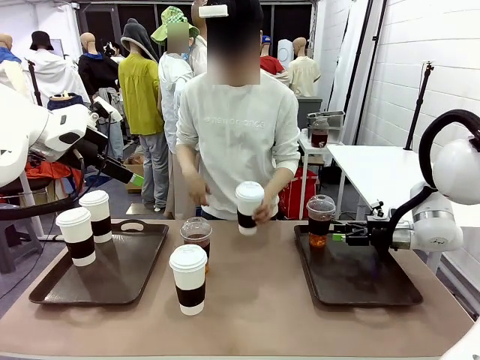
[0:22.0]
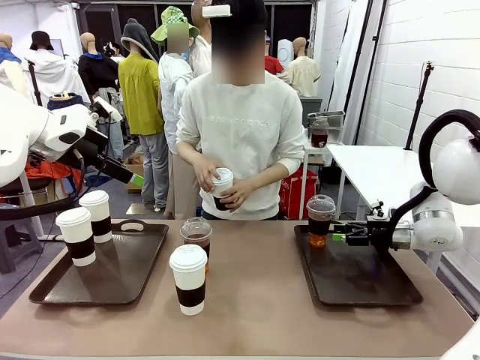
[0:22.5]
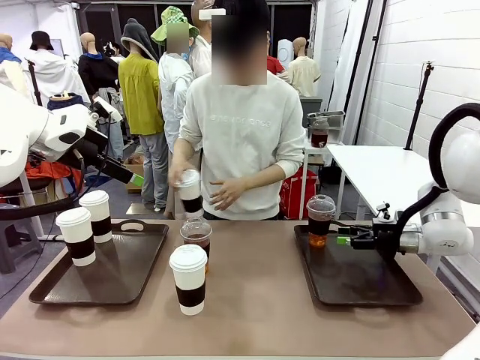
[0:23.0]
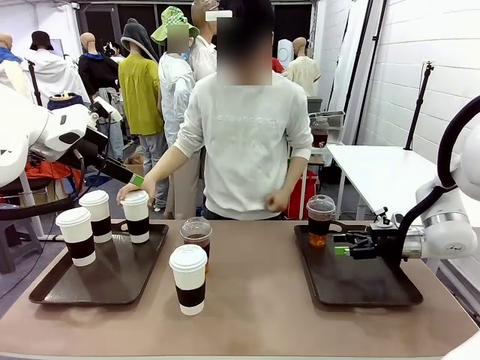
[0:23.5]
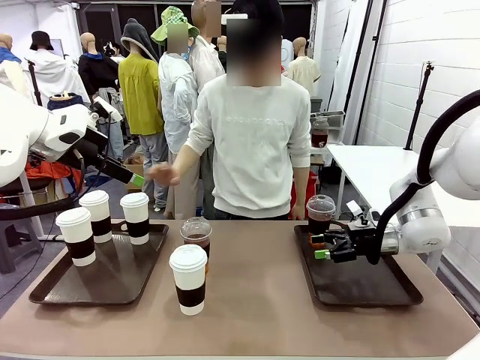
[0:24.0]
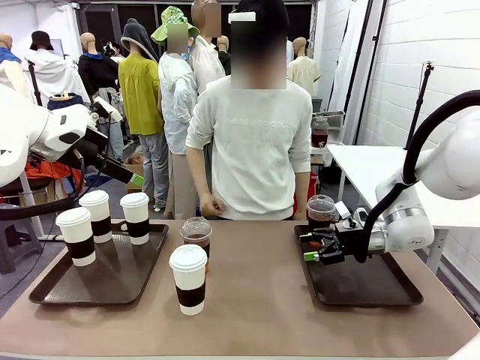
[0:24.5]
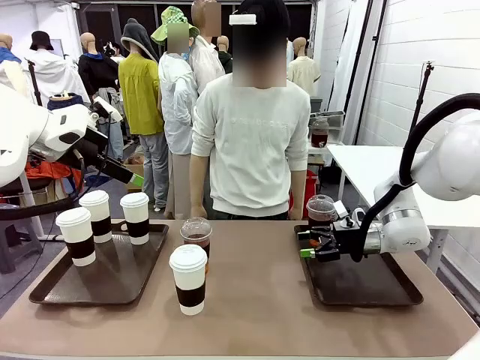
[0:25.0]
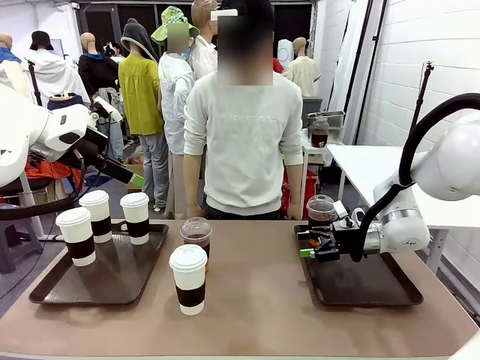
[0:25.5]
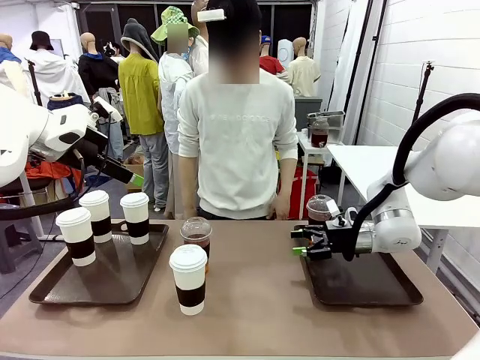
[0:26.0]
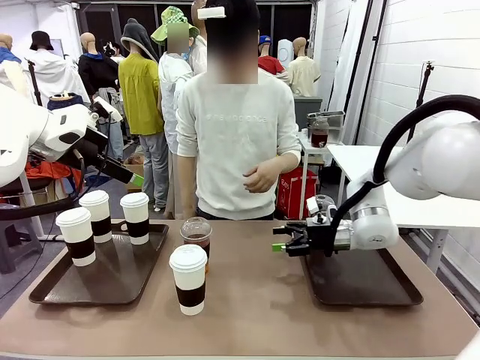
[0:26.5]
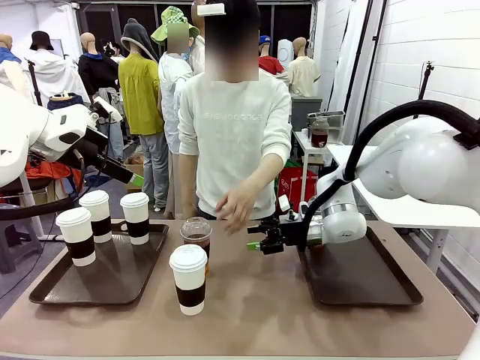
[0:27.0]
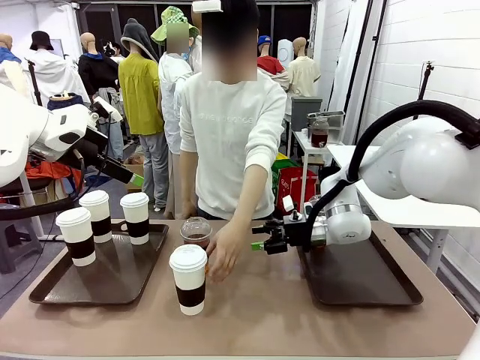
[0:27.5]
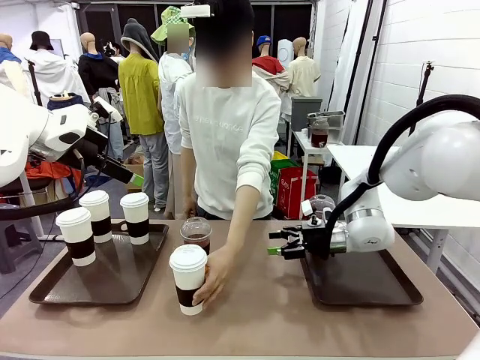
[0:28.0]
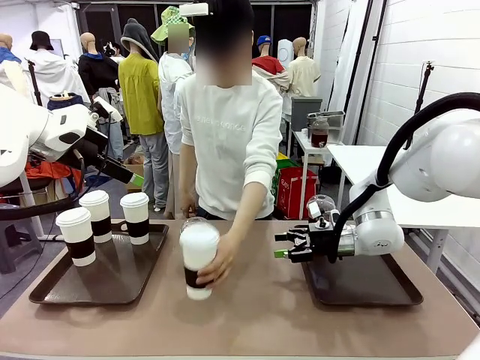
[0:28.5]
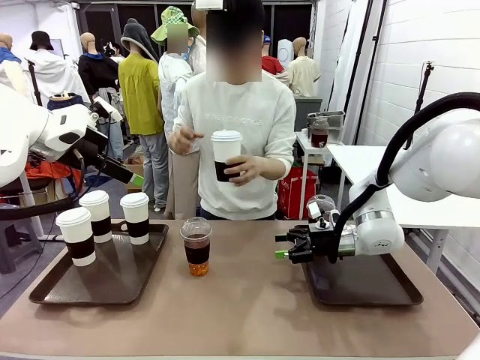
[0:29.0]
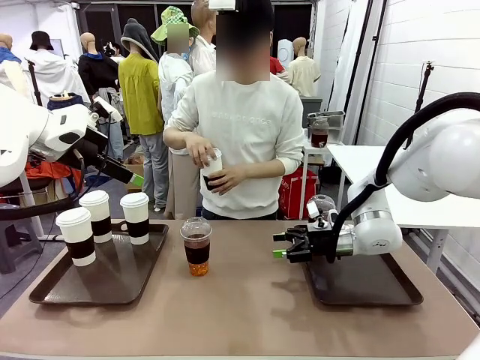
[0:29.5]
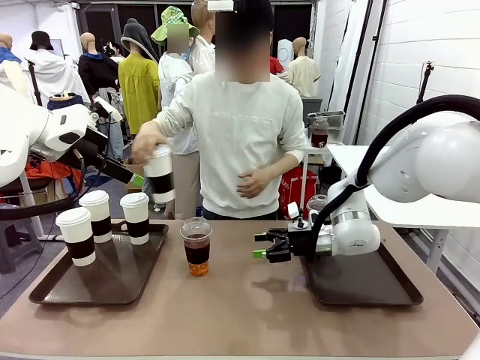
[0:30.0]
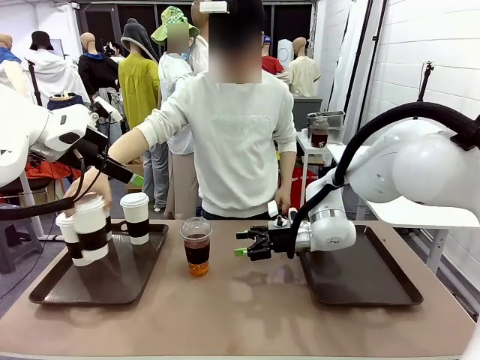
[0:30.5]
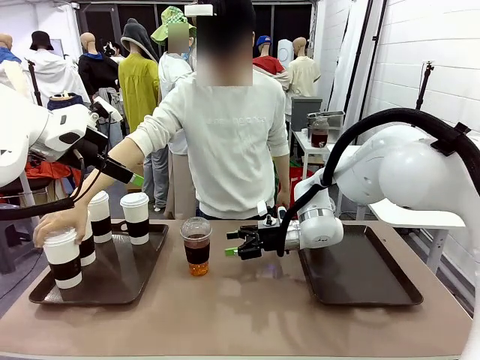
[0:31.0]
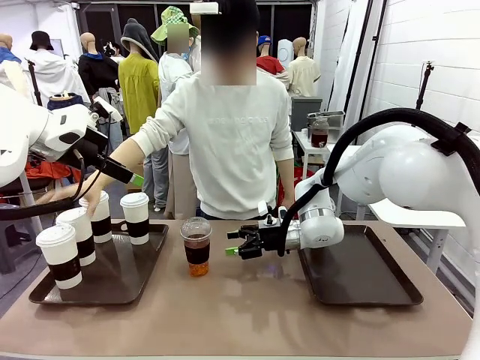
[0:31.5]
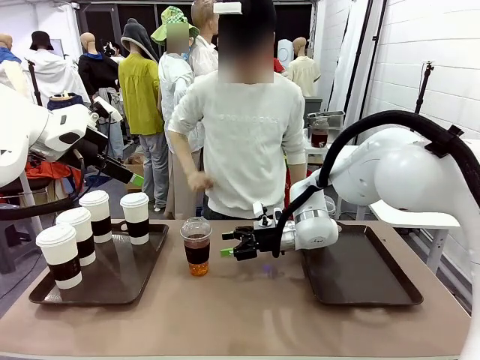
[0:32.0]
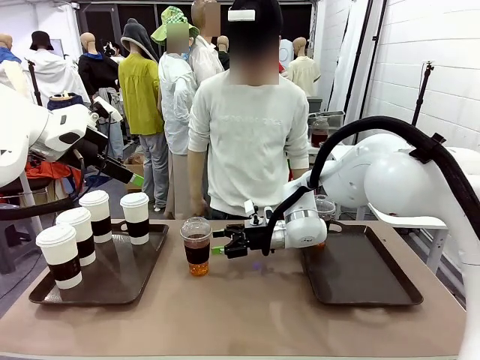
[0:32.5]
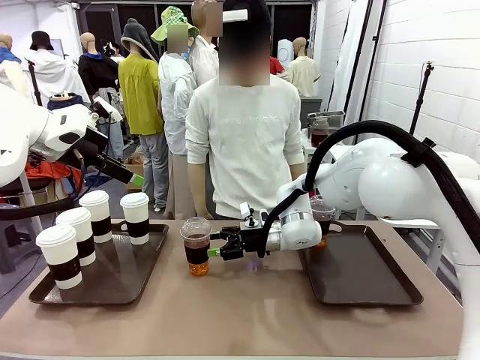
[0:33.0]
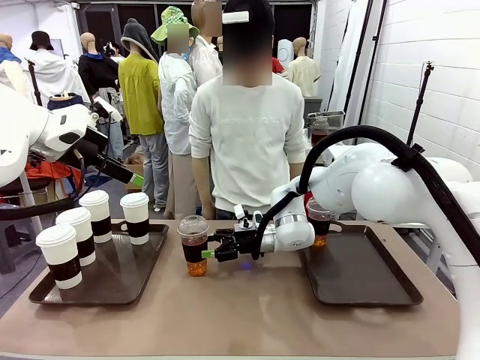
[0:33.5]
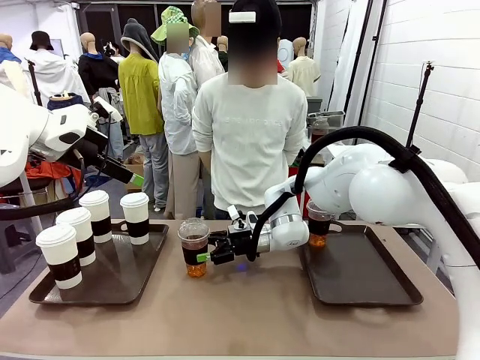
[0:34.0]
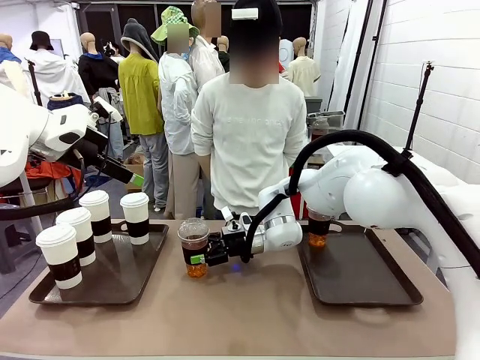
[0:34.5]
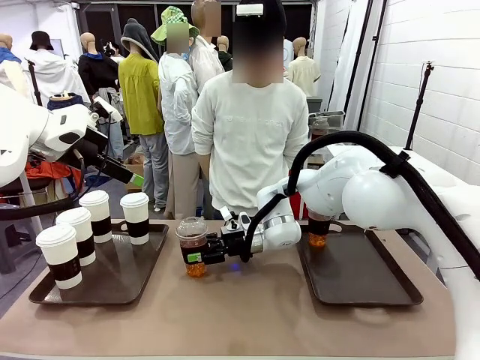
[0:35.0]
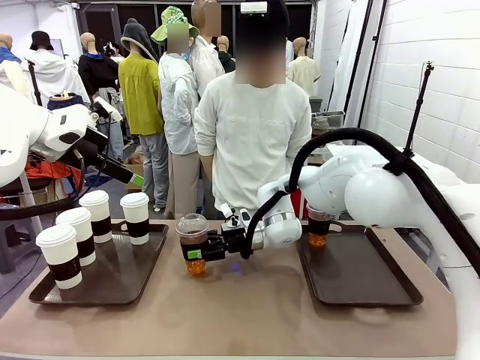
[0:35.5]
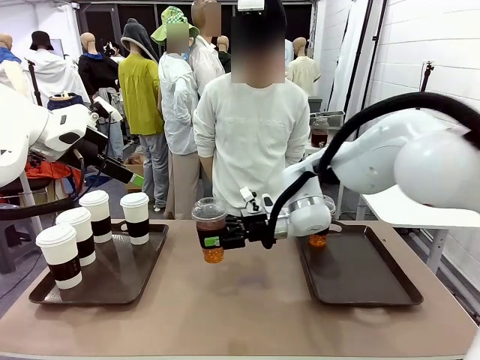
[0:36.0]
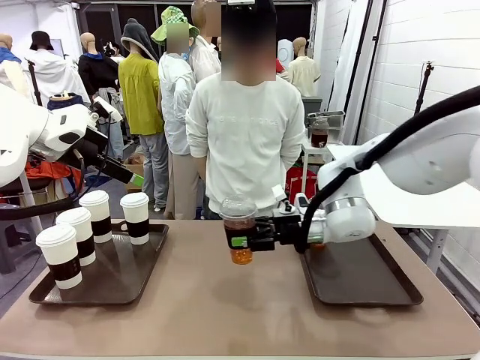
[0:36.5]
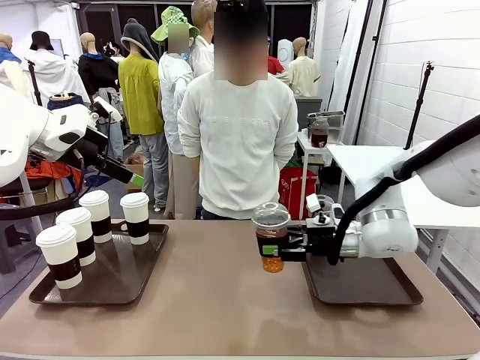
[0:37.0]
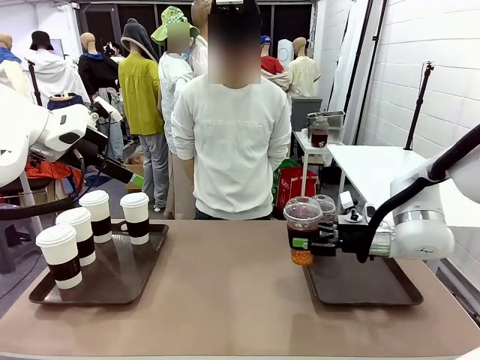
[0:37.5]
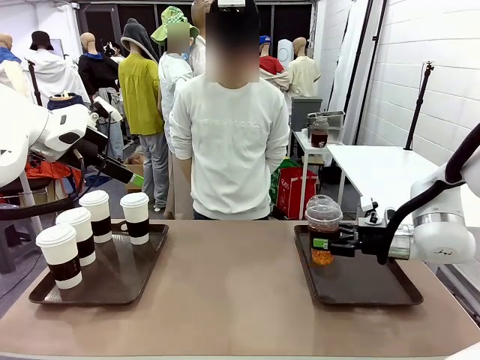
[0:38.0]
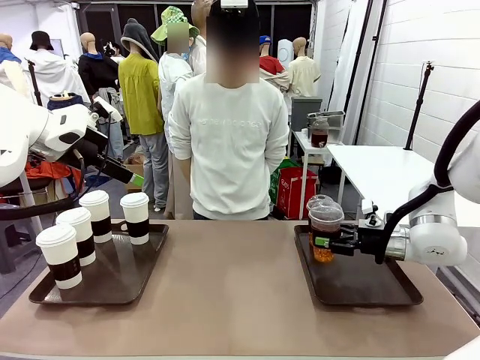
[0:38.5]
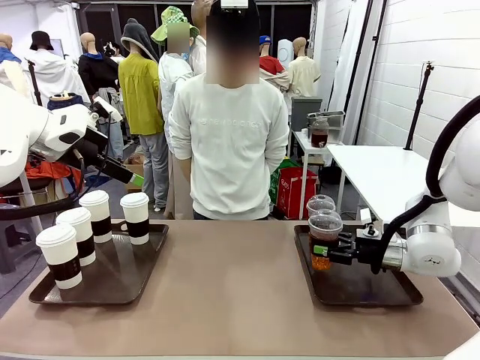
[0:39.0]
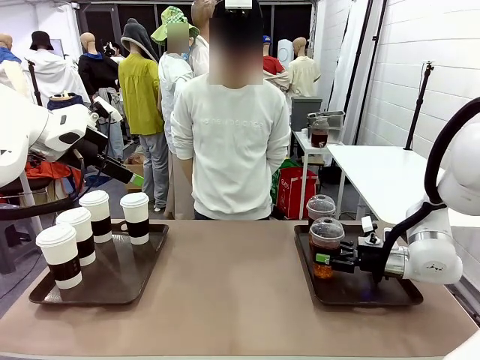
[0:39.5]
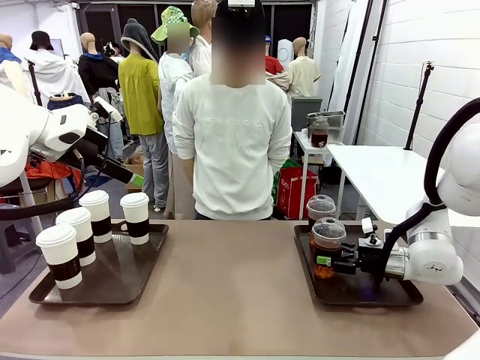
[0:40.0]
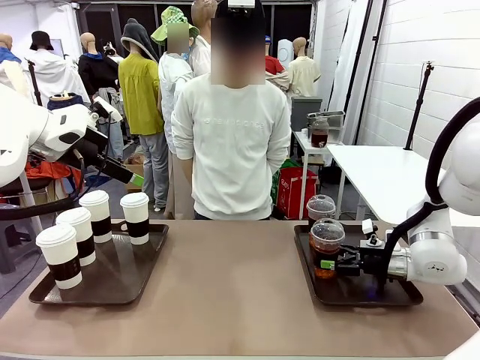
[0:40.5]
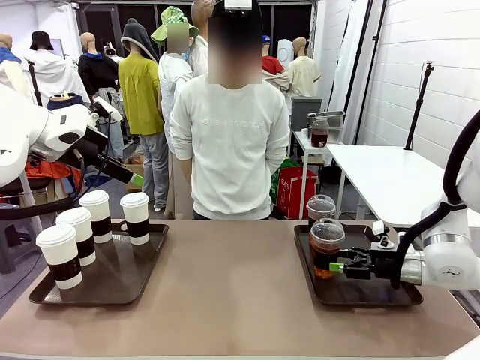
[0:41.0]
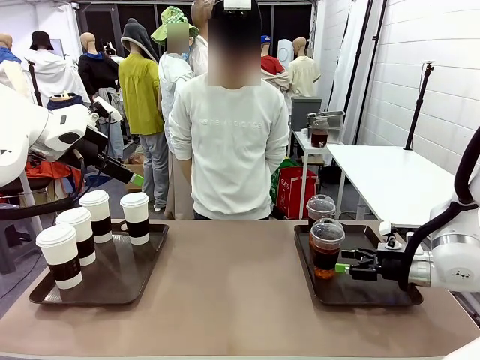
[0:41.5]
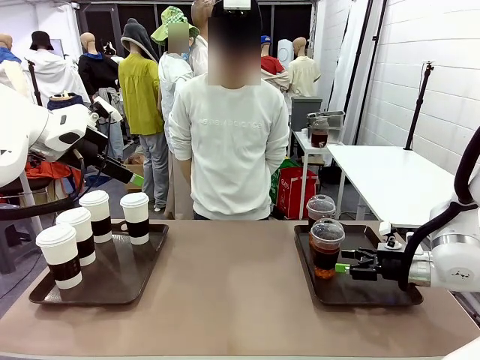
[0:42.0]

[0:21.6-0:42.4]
Task: Distribute the coffee onto the tray.
Robot: Pick up another iced Americano from the middle of the table and place it on the right Handle tray.
Person: Pick up a cup of hot Americano from the middle of the table and place it on the right tray.
